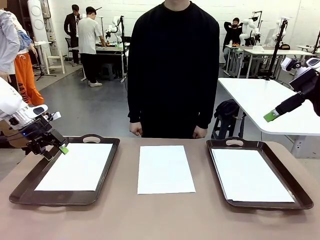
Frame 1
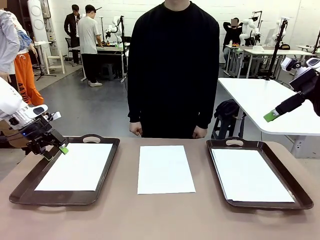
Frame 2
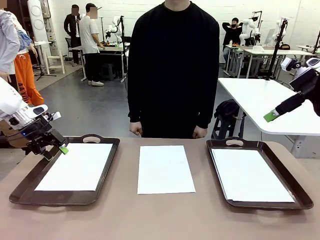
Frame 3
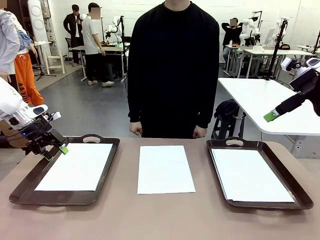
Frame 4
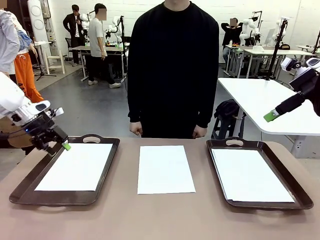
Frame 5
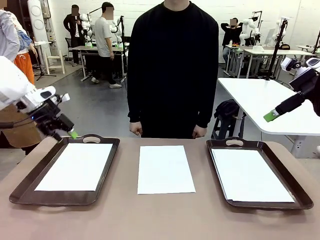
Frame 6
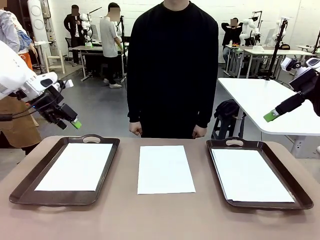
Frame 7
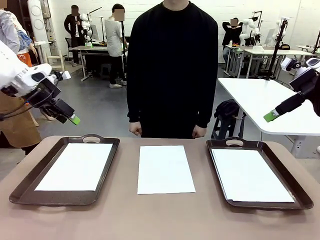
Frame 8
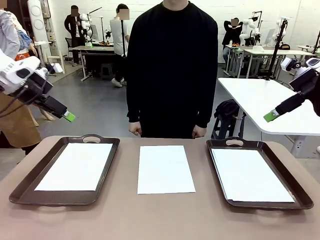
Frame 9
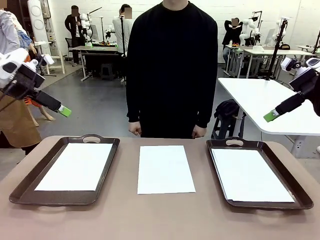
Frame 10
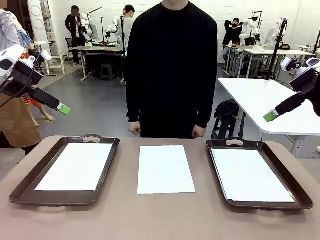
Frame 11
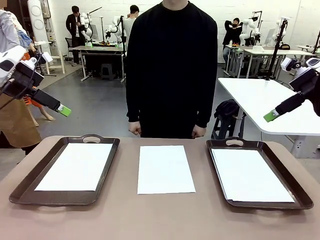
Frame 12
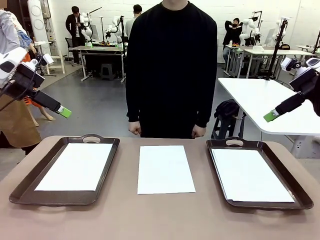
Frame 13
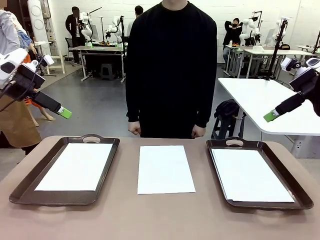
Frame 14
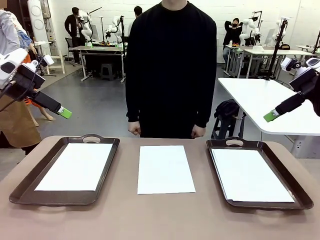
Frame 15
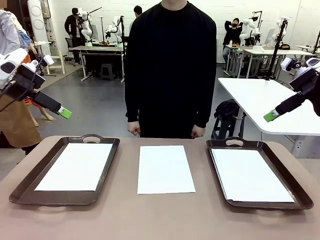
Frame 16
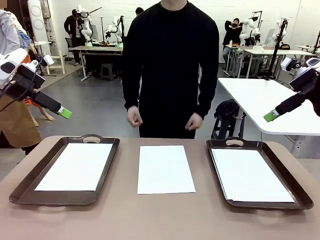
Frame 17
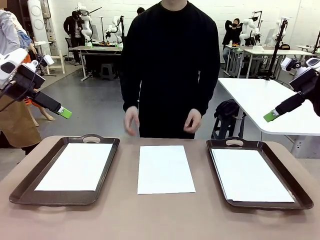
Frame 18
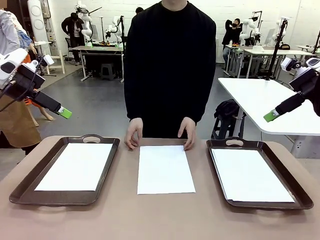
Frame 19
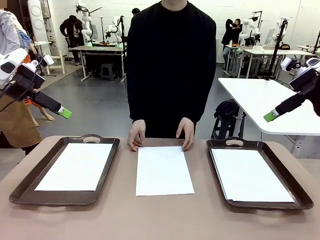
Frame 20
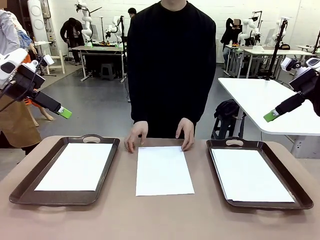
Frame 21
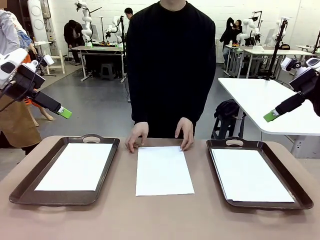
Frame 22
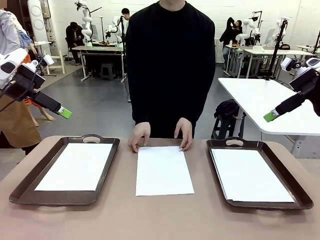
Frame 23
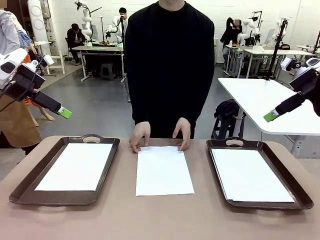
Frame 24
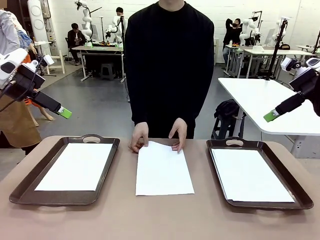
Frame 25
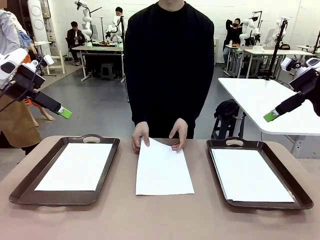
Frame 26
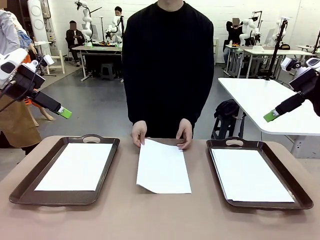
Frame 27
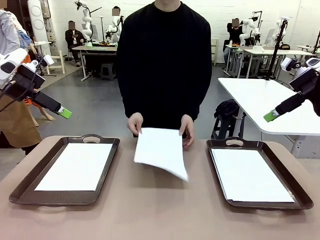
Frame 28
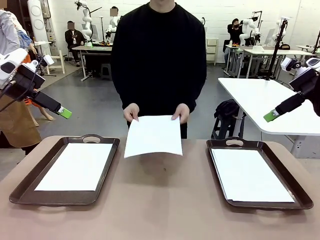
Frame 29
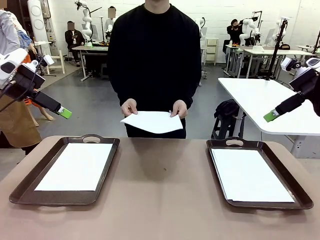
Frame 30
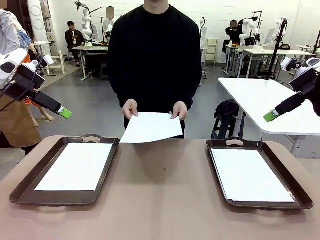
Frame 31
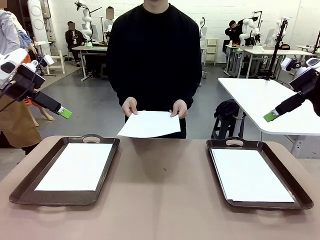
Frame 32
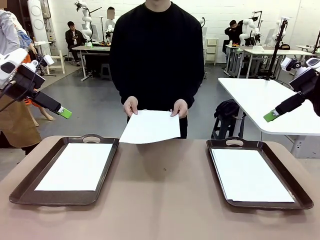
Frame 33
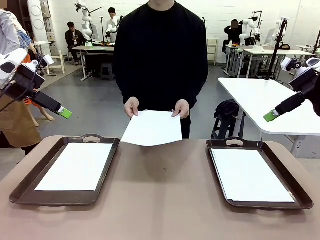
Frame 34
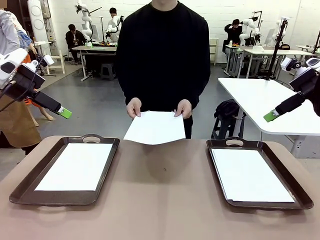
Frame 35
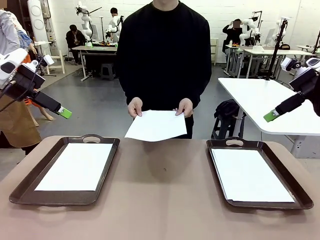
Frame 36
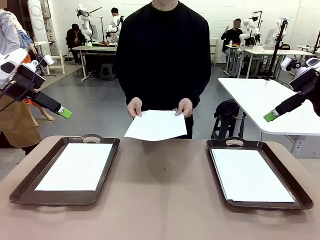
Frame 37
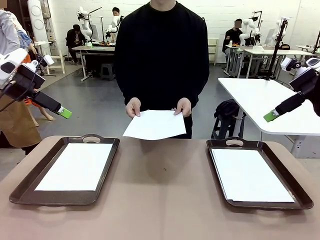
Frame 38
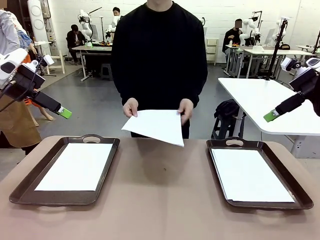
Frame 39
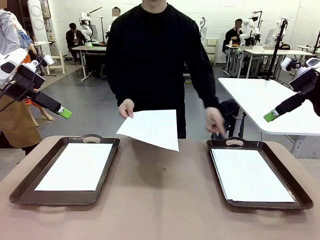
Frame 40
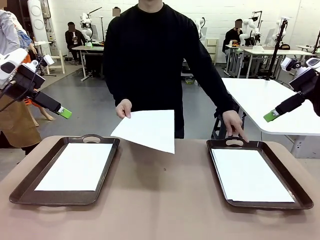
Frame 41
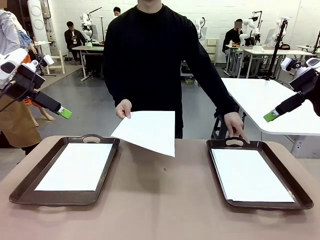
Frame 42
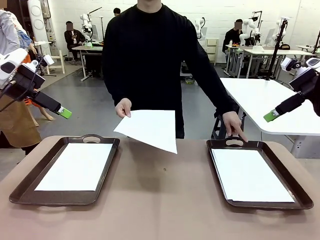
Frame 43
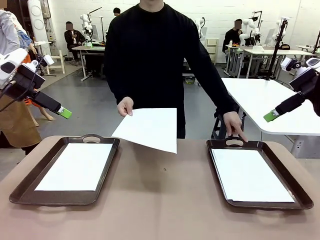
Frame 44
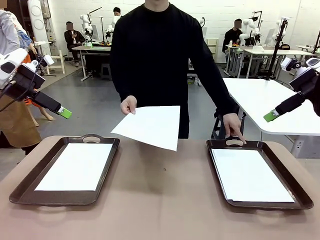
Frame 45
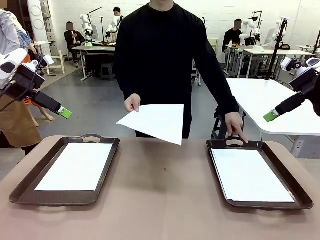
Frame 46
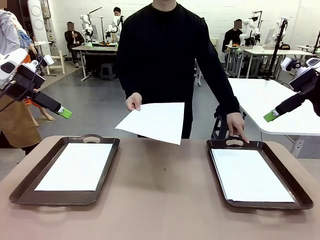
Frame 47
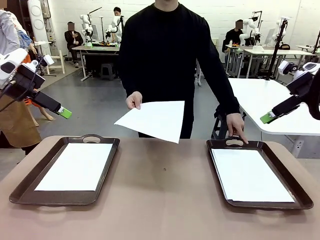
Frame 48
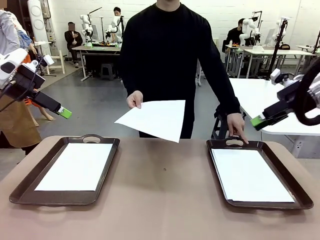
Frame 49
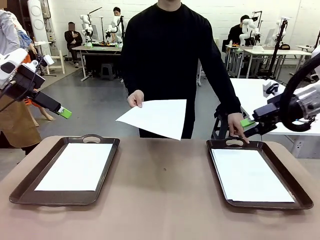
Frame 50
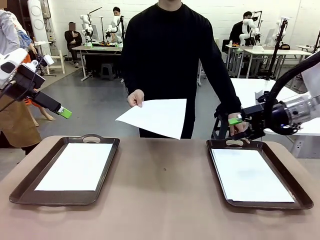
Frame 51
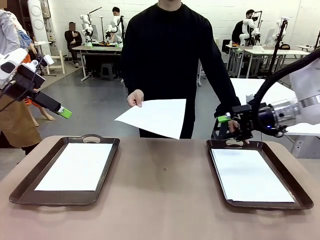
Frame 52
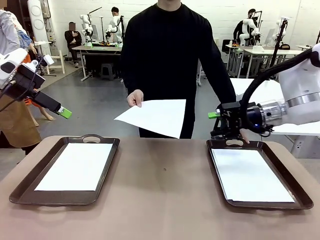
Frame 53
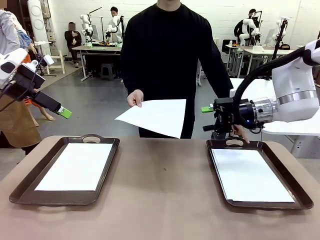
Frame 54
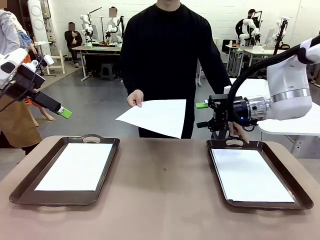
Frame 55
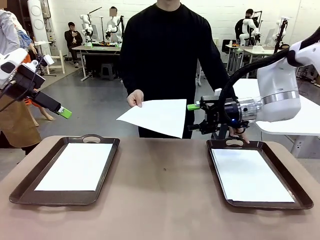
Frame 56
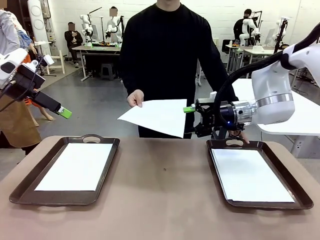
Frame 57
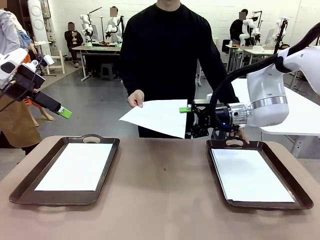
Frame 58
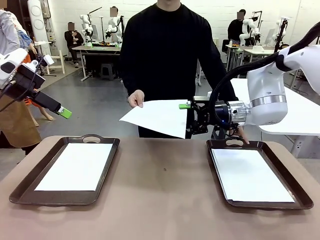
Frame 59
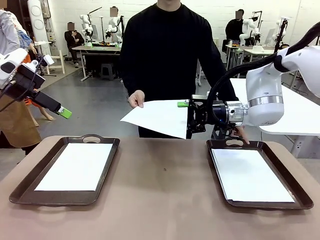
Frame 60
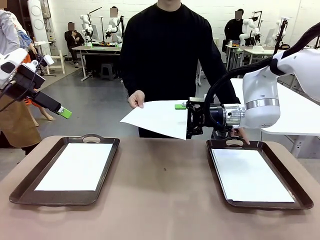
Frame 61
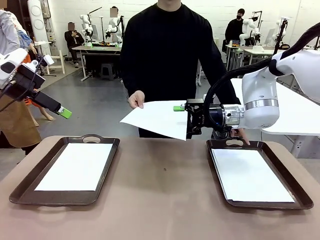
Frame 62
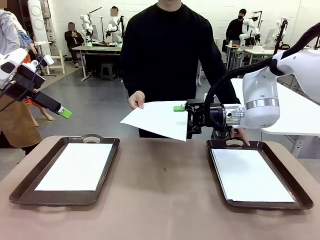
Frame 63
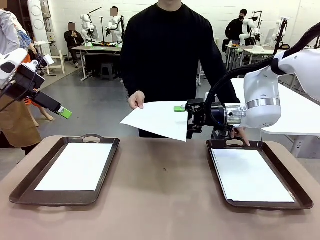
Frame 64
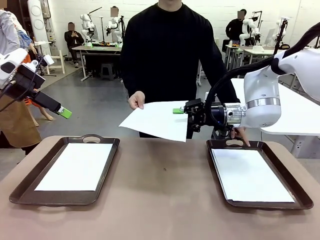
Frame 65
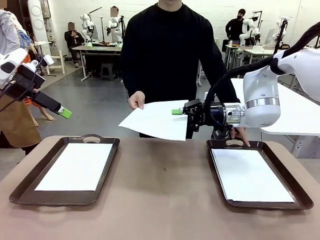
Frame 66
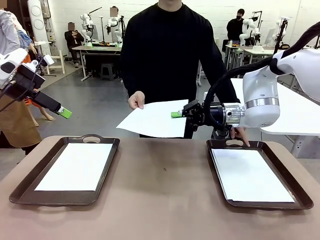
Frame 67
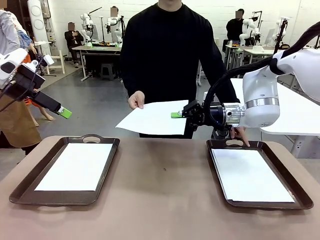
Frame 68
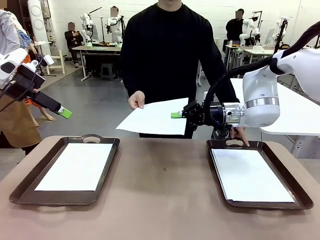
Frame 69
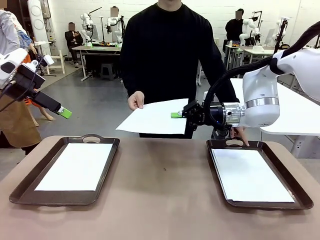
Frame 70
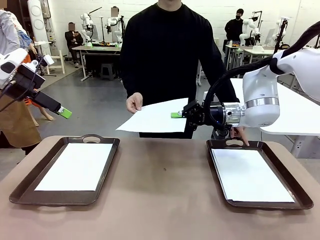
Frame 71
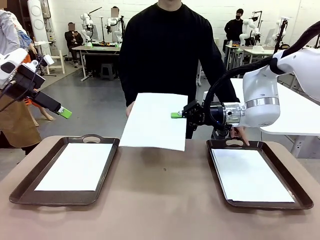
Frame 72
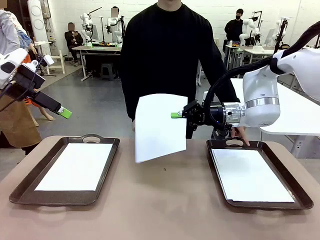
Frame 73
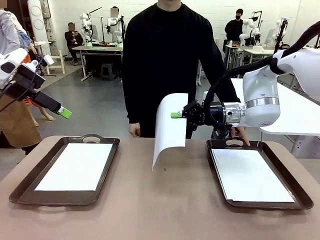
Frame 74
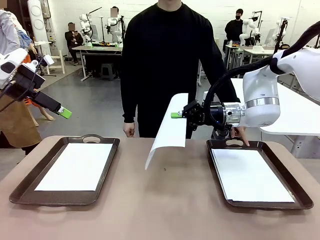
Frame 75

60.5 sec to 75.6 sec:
Task: Sort the A4 documents.
Robot: Receive the A4 Paper.
Person: Point the randomly selected tray with the other hand.

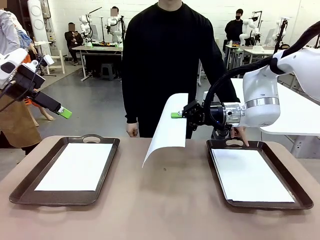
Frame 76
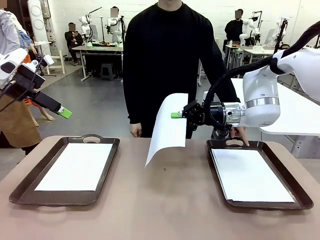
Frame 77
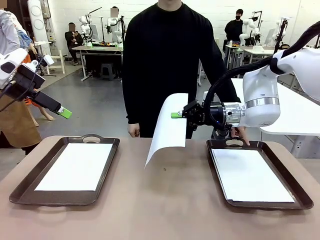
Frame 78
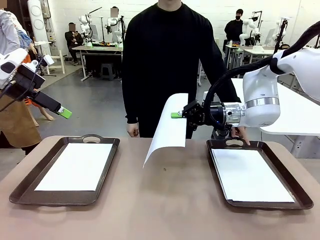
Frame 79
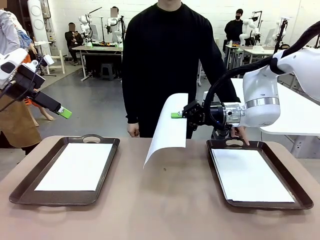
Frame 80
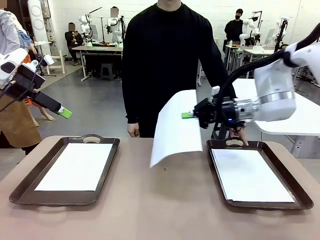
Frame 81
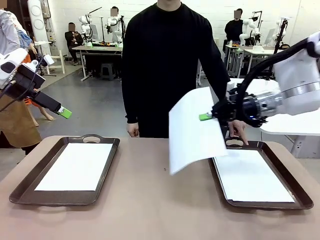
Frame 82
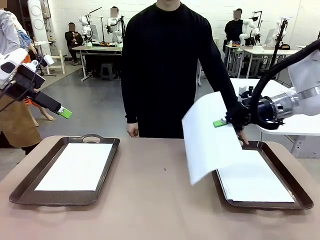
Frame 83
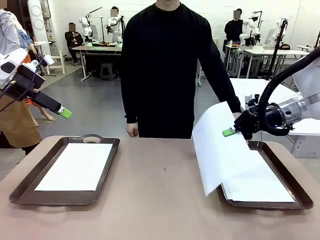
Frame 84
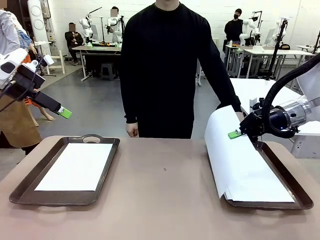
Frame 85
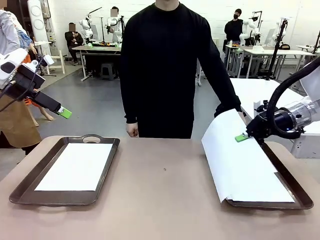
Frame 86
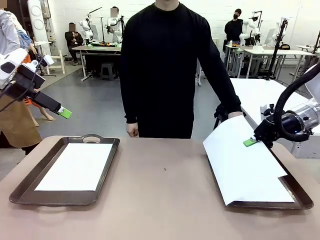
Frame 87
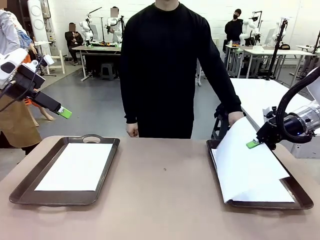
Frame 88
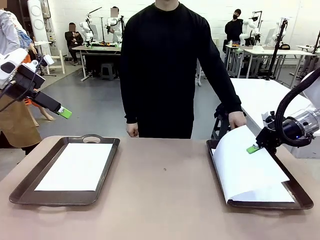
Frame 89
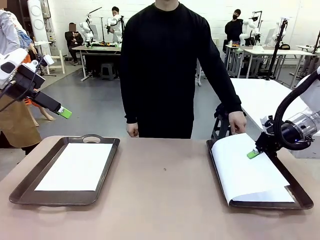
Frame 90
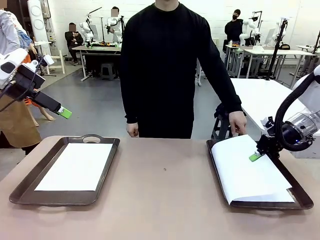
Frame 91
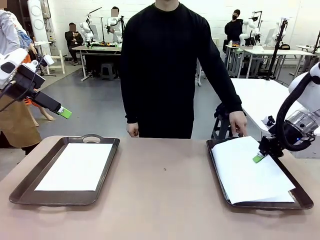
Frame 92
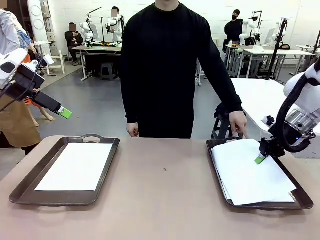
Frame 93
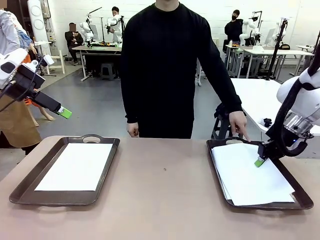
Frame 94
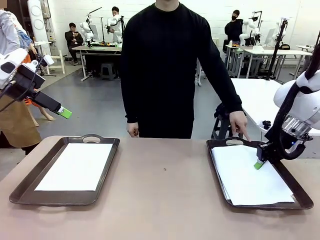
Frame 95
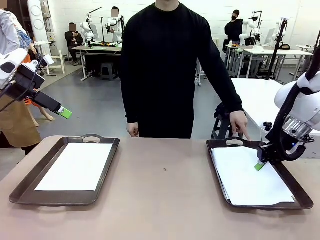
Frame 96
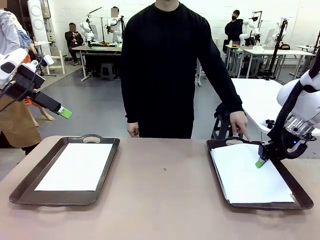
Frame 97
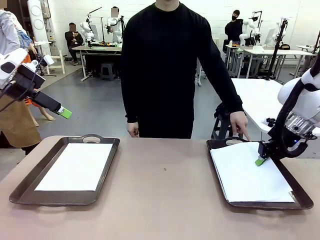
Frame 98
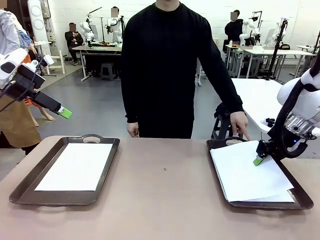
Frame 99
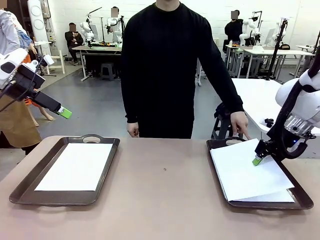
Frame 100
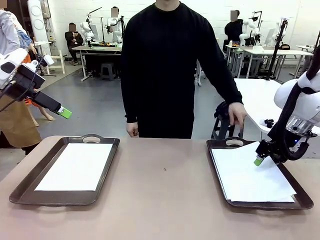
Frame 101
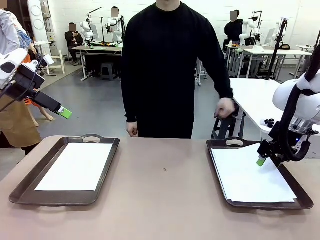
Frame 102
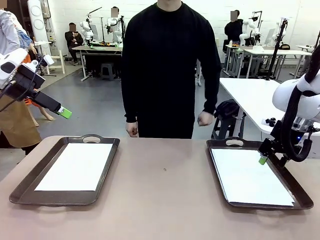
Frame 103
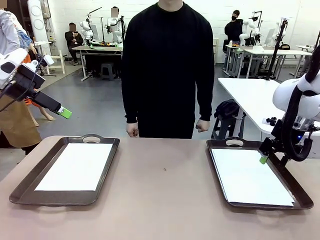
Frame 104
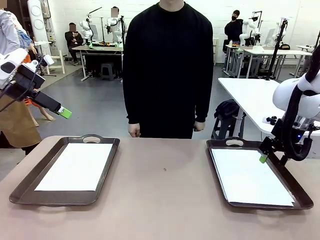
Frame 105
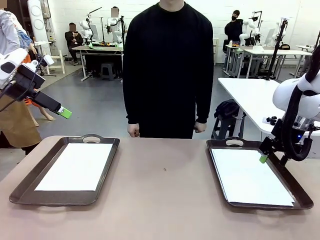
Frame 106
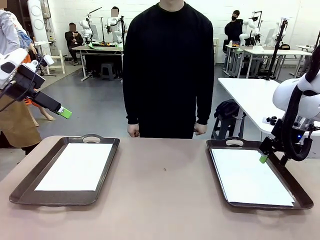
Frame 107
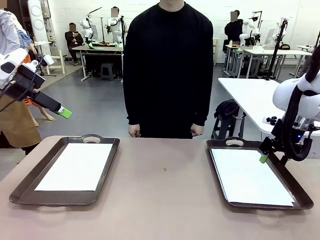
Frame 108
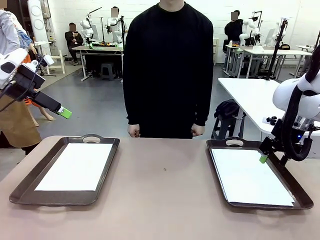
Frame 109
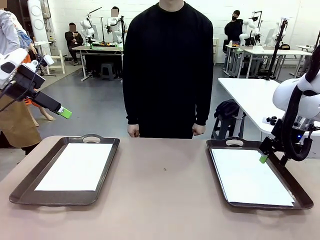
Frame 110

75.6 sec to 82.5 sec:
Robot: Place the A4 Paper in the designated Handle tray.
